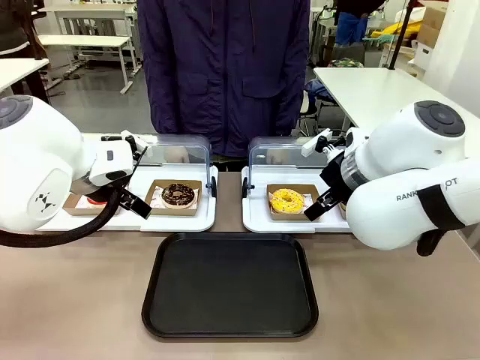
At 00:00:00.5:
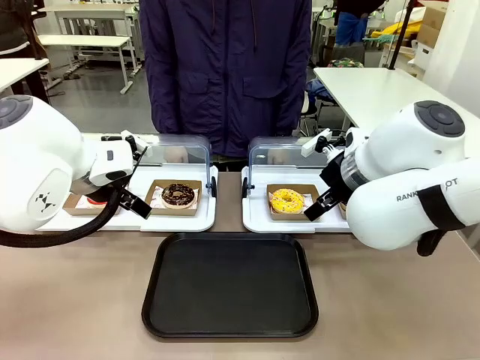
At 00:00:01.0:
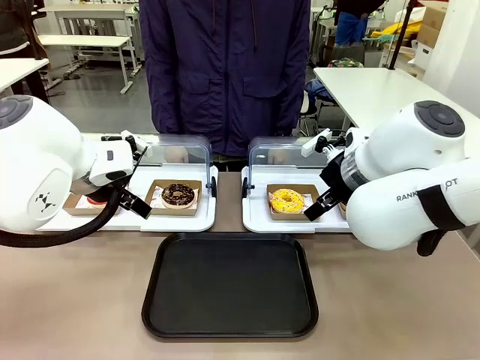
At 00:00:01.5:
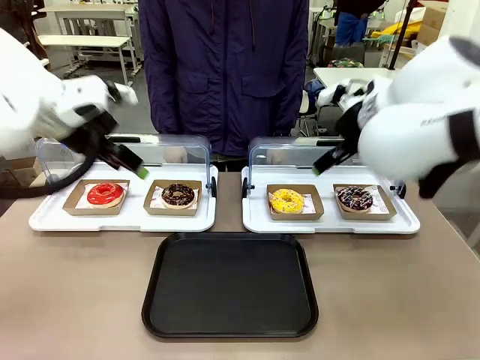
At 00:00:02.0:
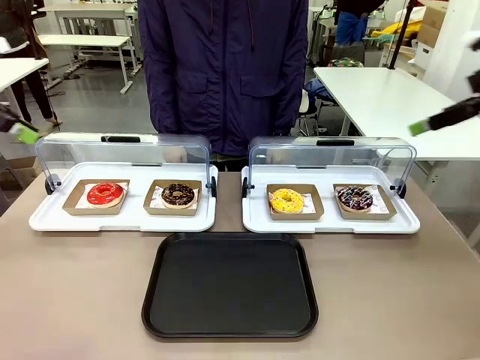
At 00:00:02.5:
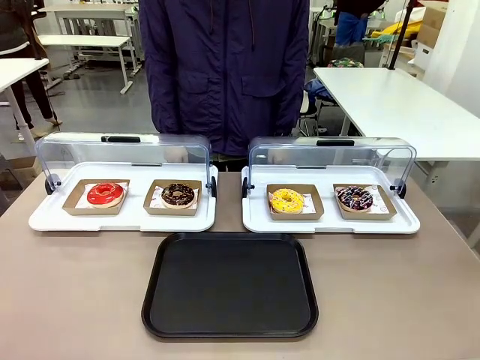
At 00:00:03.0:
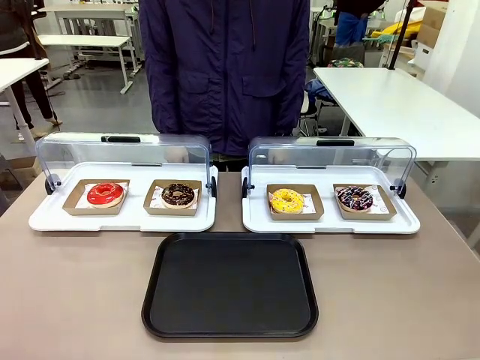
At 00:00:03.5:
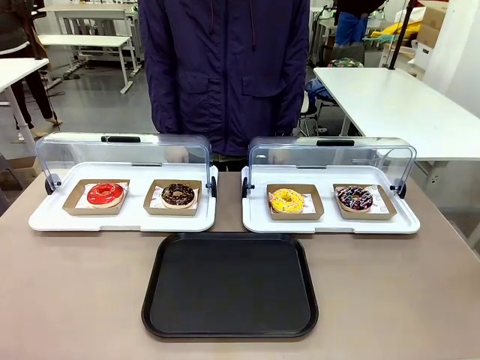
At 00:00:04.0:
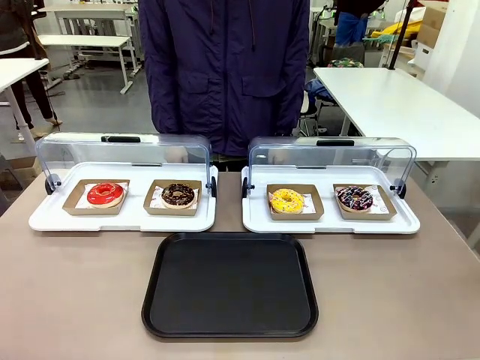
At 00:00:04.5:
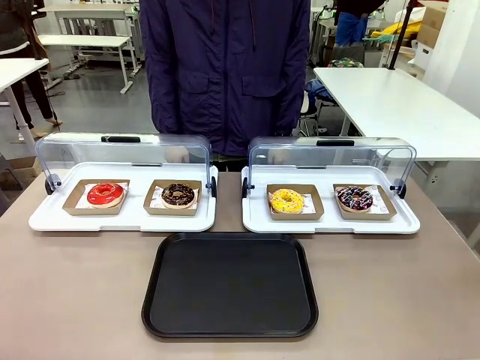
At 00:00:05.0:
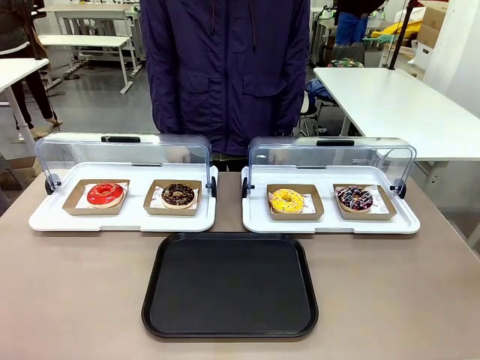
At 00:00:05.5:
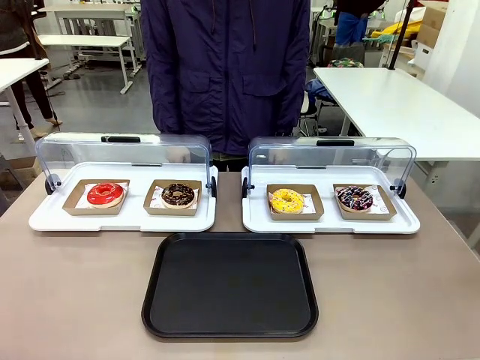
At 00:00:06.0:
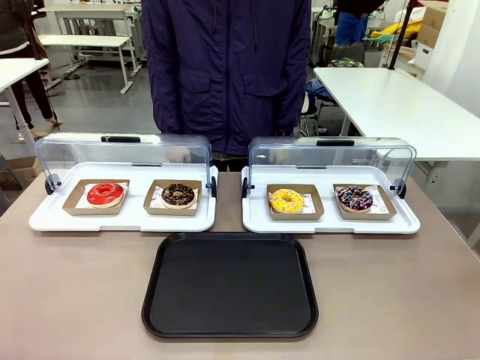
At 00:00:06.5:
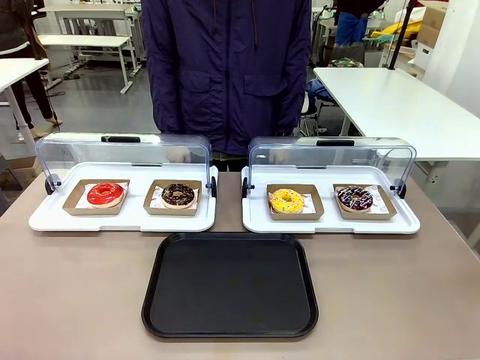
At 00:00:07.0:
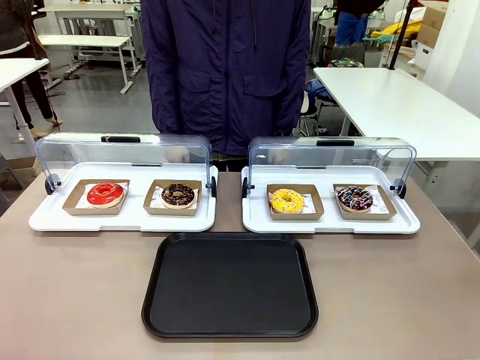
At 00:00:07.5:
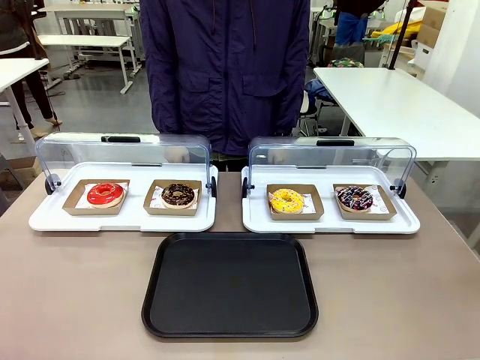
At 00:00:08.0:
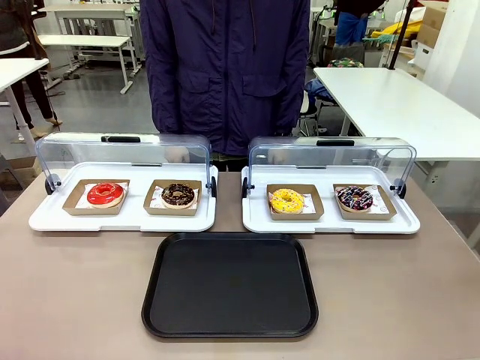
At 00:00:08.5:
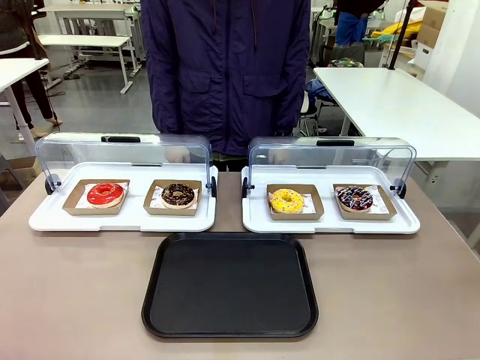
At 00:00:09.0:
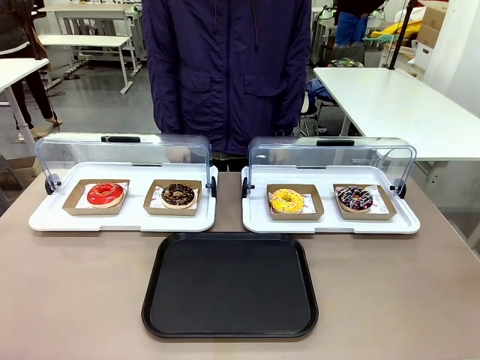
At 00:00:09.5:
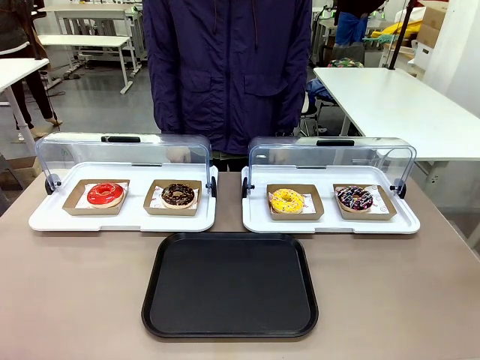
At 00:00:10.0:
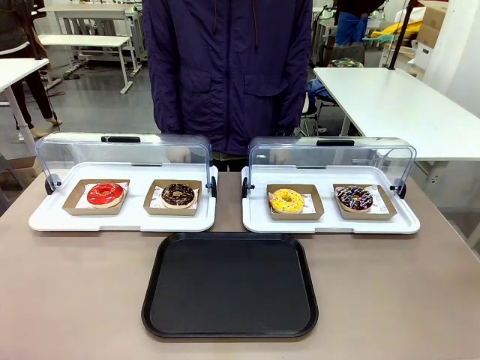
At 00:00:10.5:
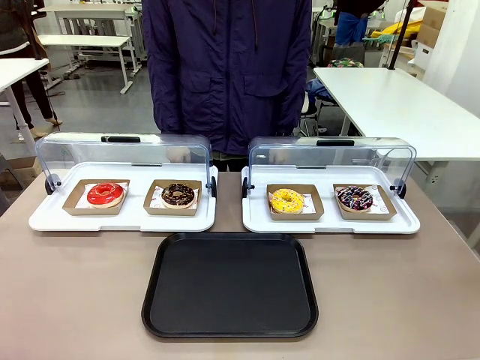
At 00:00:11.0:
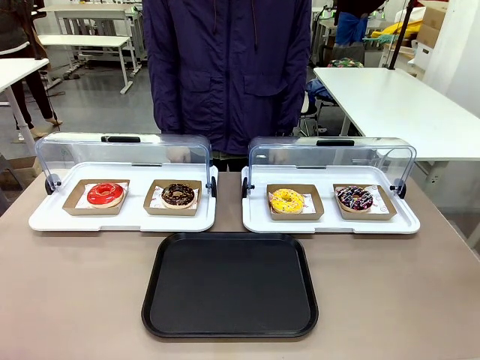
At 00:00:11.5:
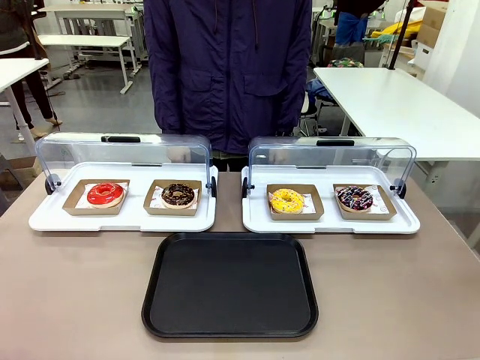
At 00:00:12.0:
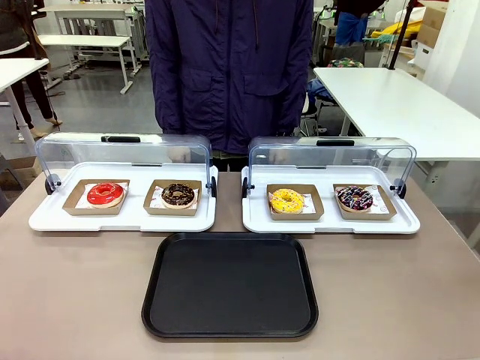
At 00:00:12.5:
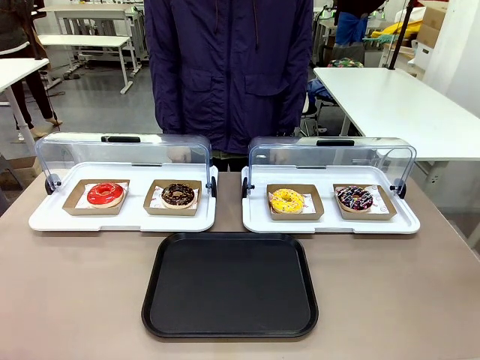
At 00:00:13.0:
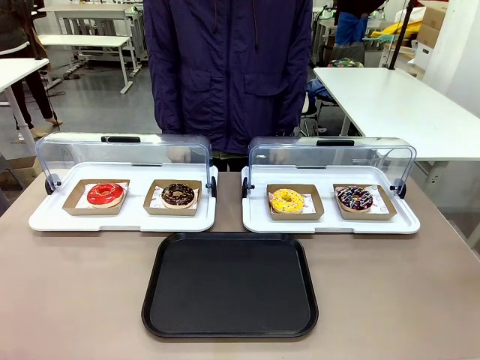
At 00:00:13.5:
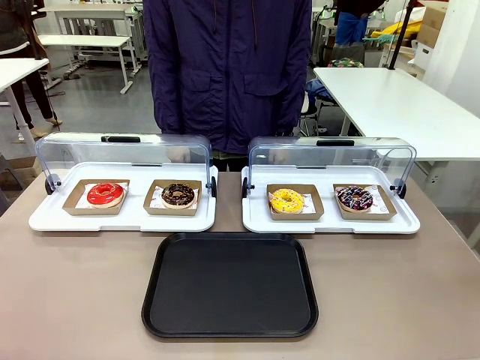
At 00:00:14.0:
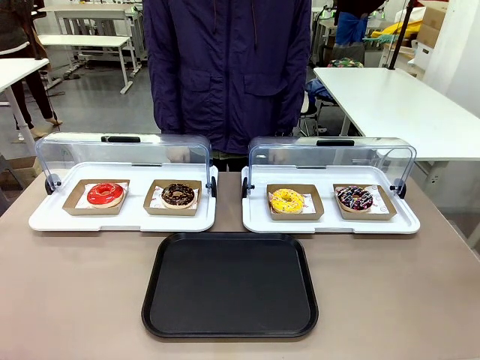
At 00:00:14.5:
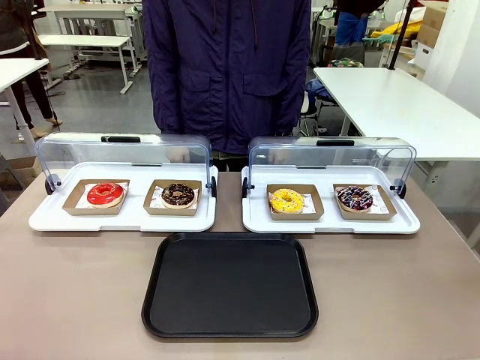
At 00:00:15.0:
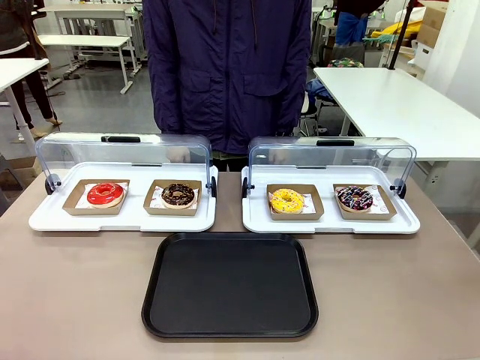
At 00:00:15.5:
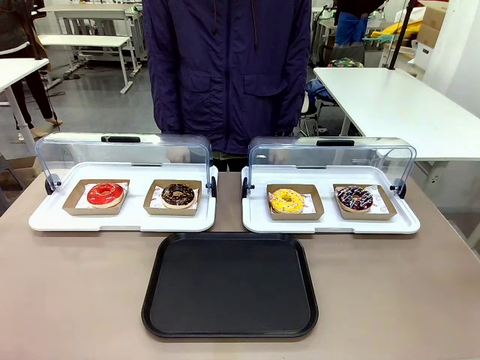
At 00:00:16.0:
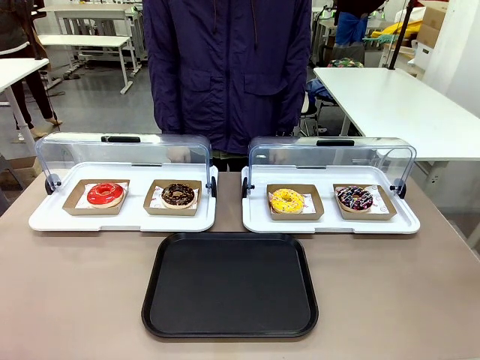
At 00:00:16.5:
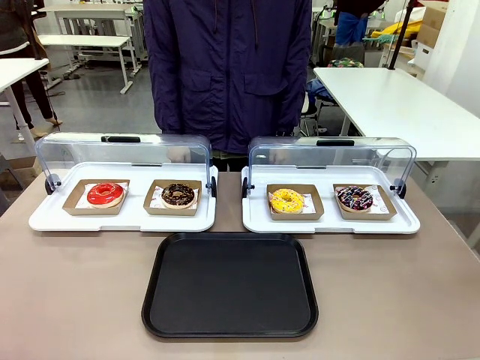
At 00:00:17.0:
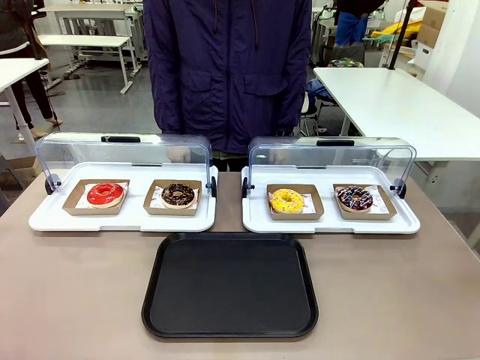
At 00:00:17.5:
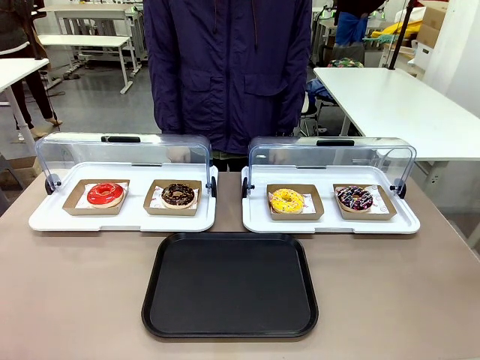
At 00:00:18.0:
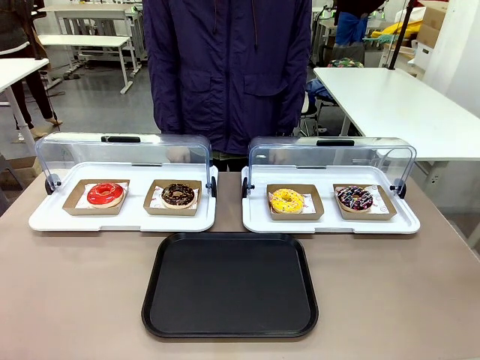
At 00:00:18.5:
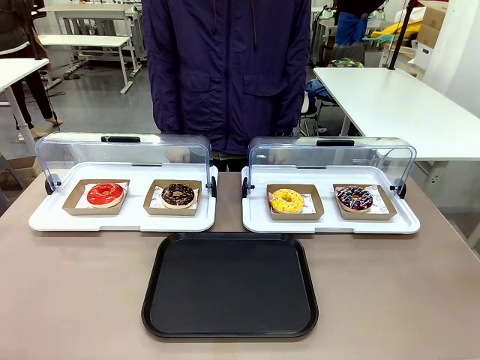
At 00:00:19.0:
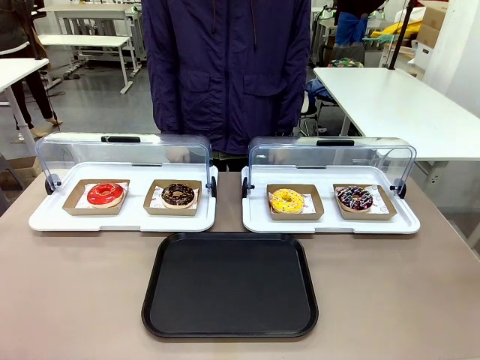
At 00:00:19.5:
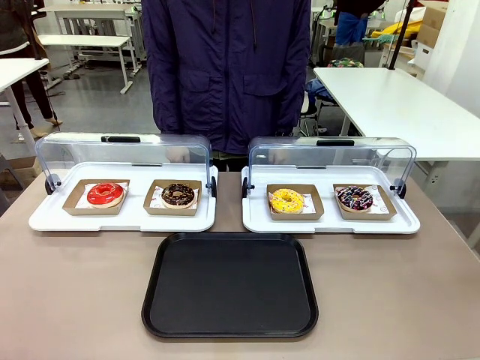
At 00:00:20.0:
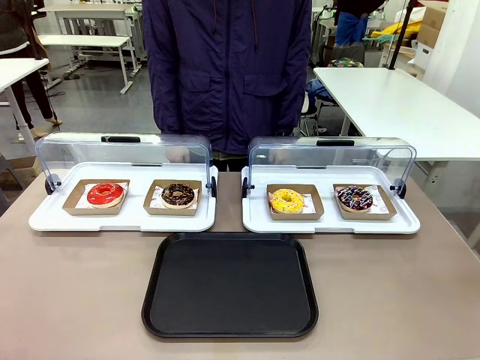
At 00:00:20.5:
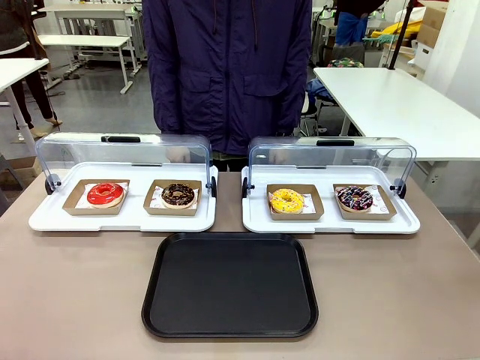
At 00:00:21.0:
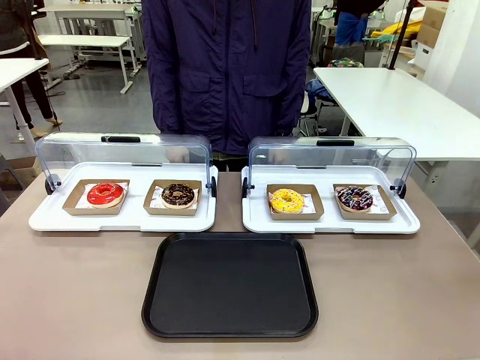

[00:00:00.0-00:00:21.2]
Task: Move the third donut from the left to the tray.
Robot: Pick up the Paper togo box containing the Donut indicated by the person and place it on the Handle tray.

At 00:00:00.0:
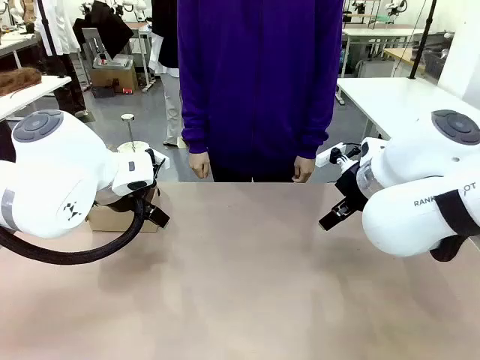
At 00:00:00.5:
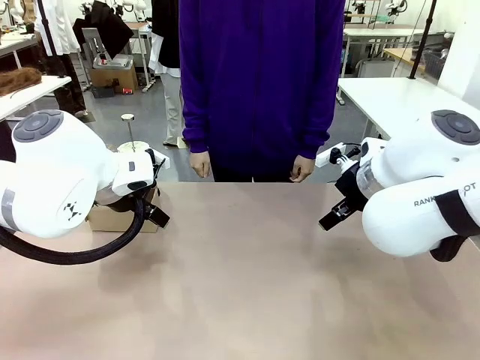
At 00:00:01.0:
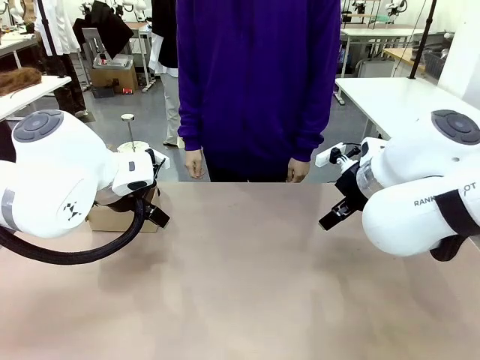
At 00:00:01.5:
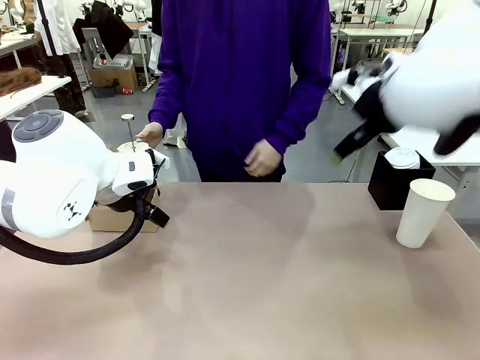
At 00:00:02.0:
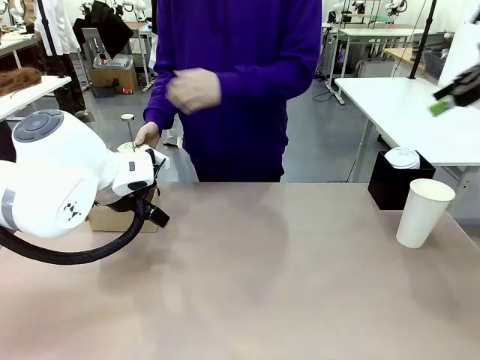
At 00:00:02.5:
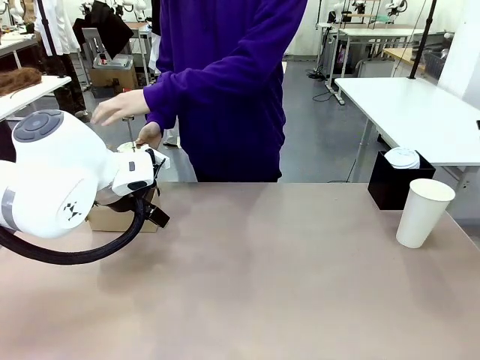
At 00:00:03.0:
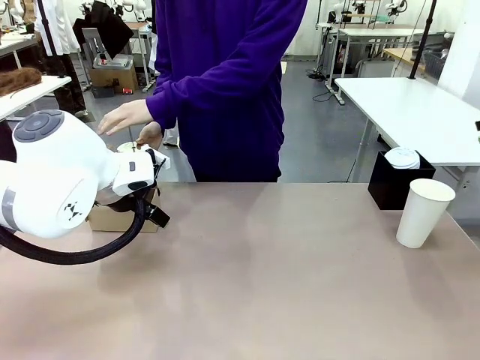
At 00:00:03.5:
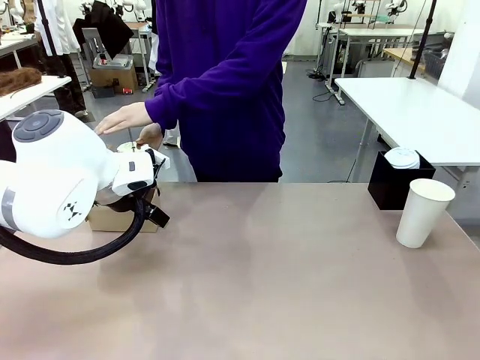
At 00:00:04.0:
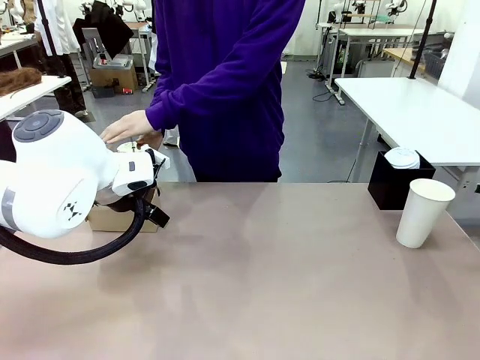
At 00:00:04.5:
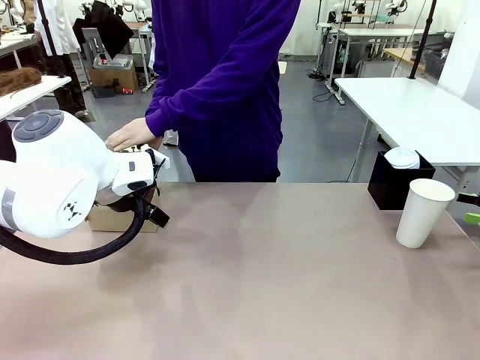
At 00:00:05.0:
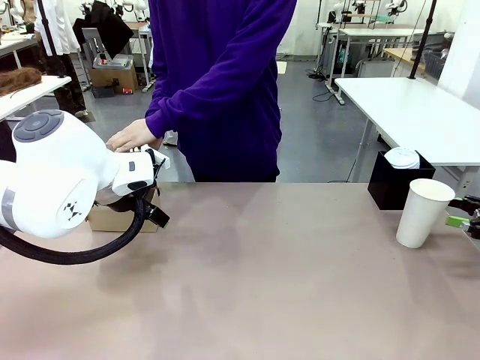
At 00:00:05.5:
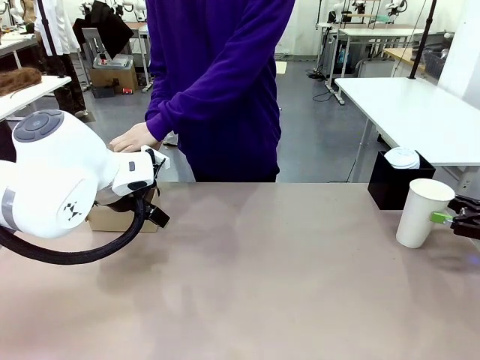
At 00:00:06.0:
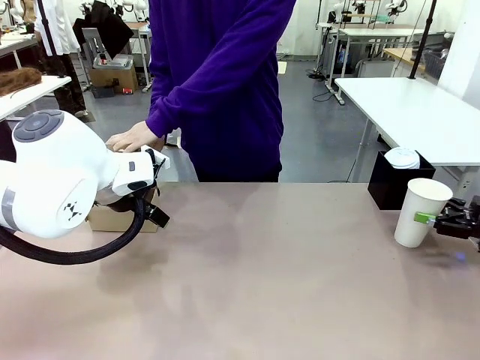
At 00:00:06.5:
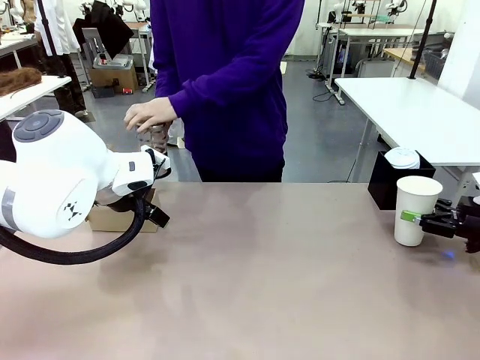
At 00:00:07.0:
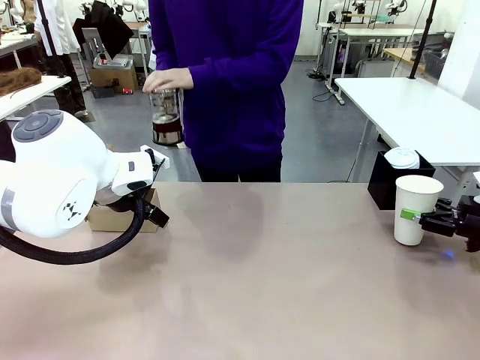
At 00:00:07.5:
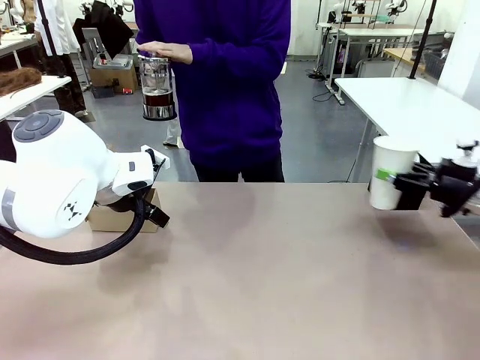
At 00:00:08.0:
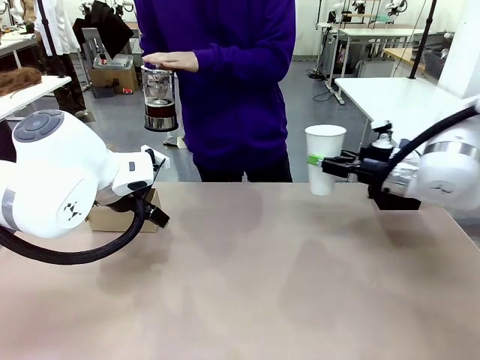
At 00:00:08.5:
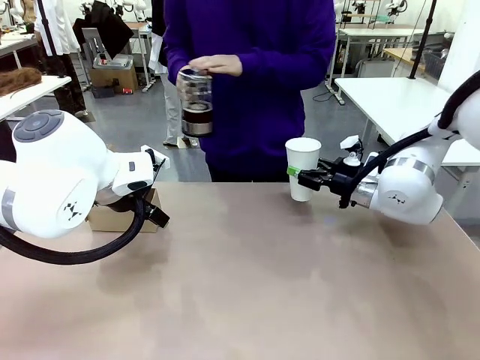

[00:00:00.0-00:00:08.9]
Task: Pour a drink into a cup and package it in a carrier.
Robot: Pick up the 600 ml Paper Cup and place it in the middle top area of the table.
Person: Press and pick up the Filter Brewing.
